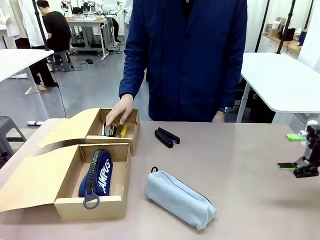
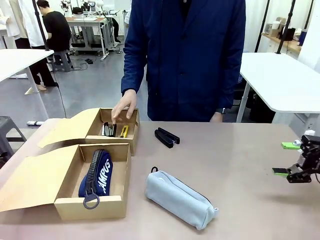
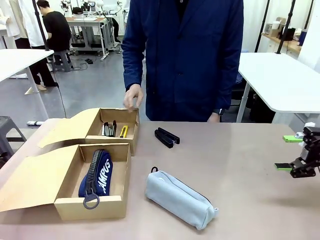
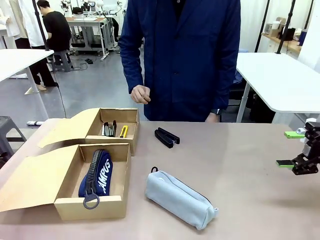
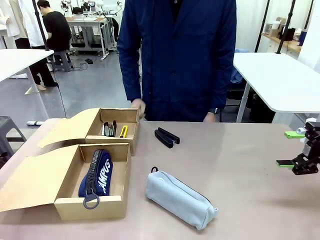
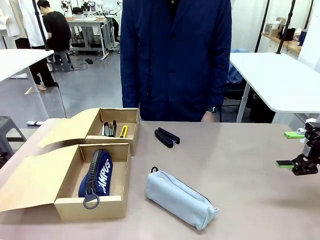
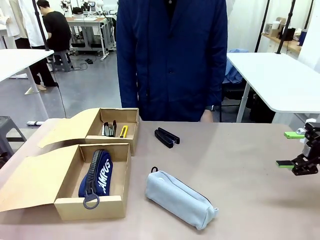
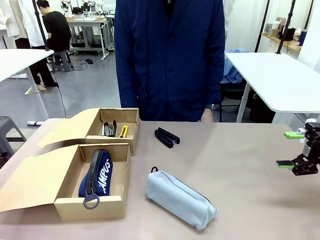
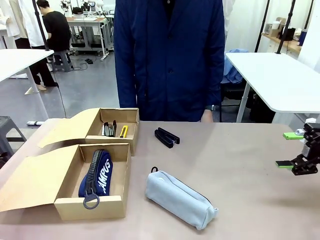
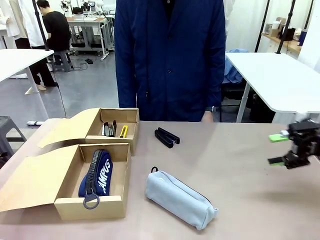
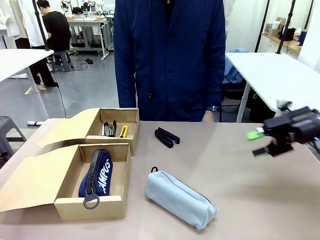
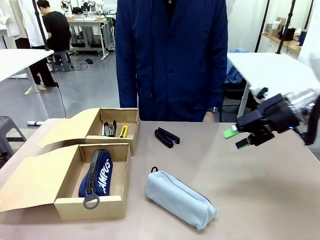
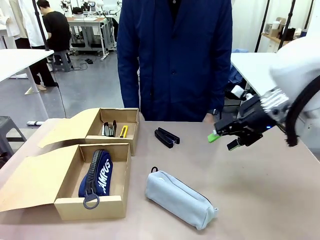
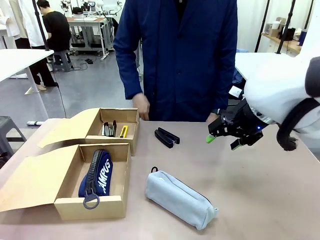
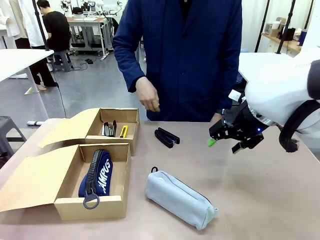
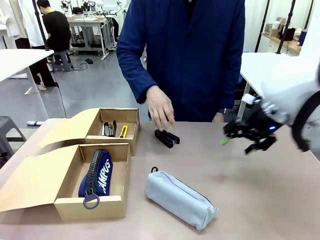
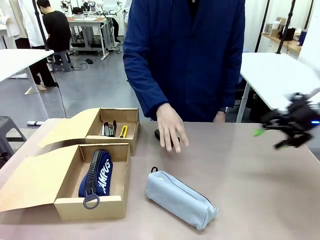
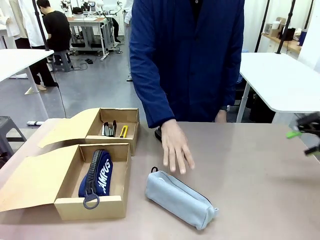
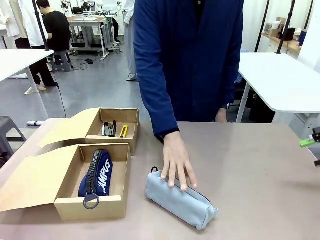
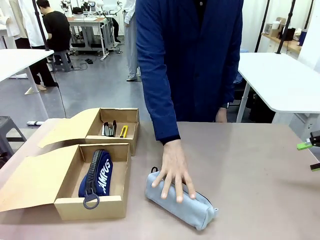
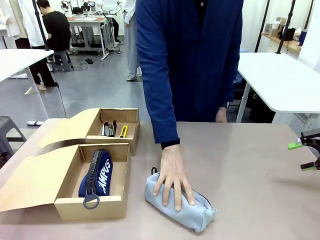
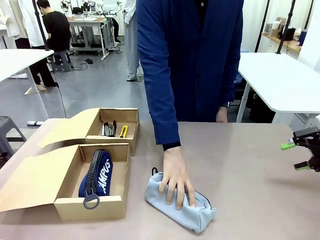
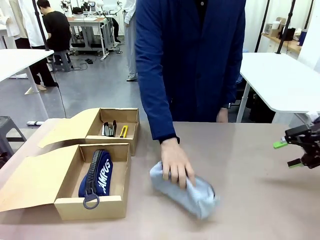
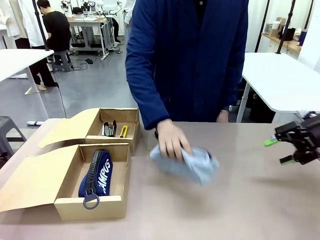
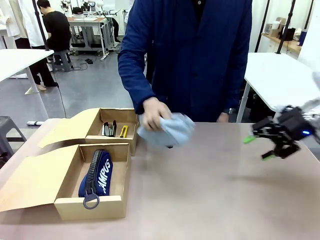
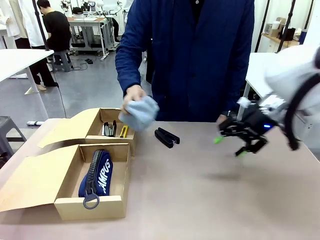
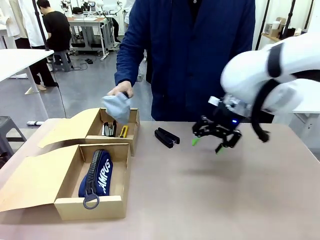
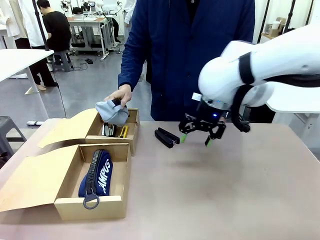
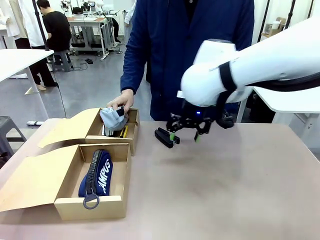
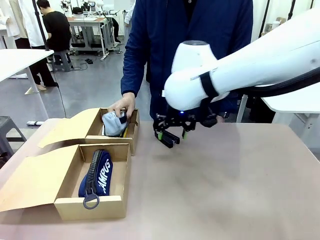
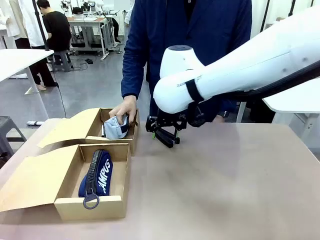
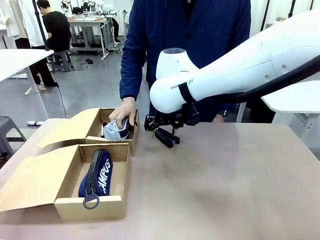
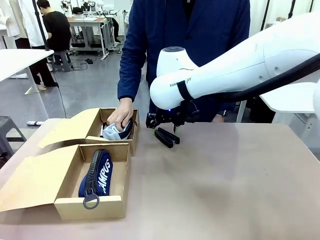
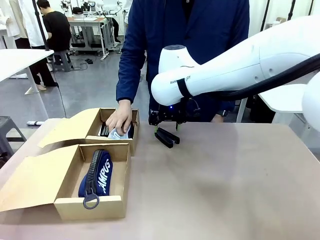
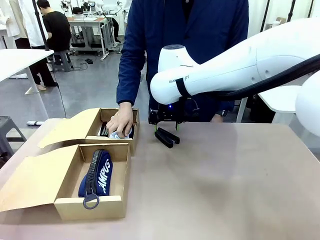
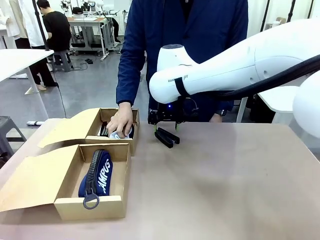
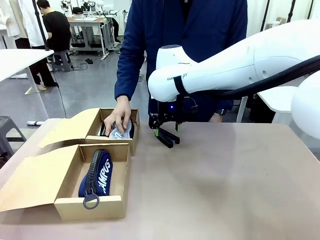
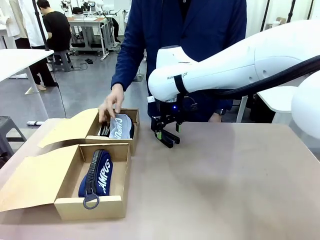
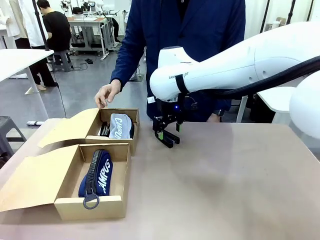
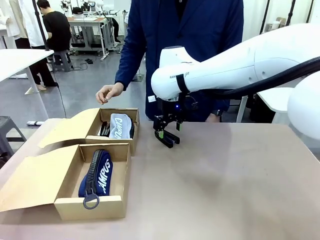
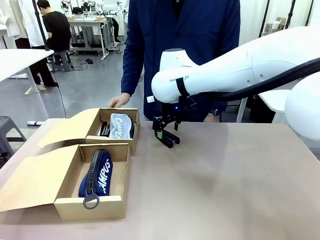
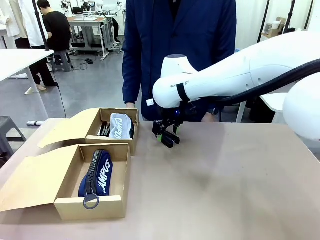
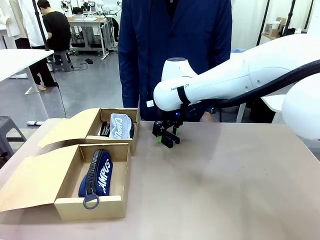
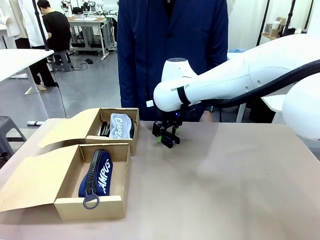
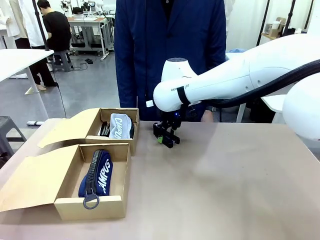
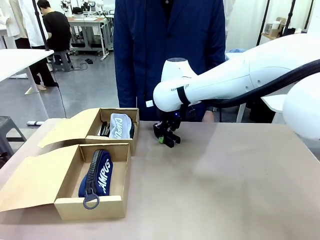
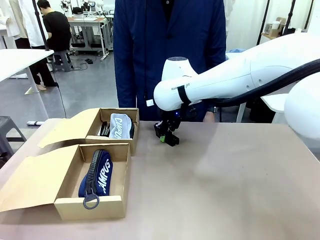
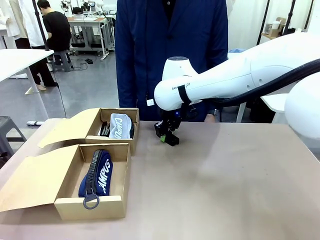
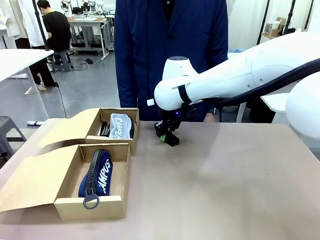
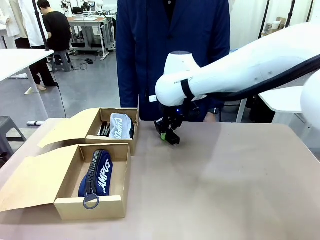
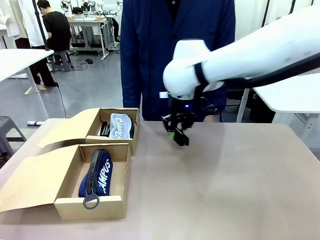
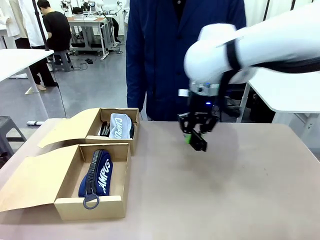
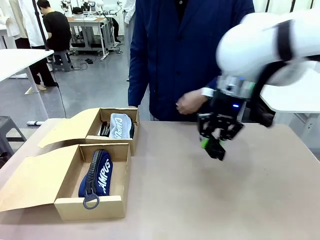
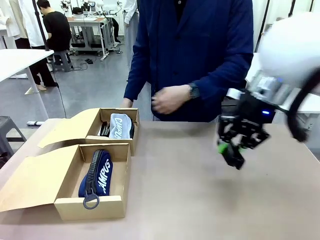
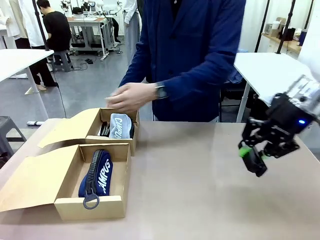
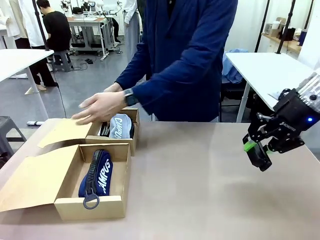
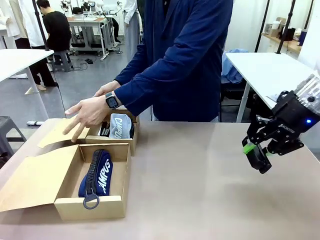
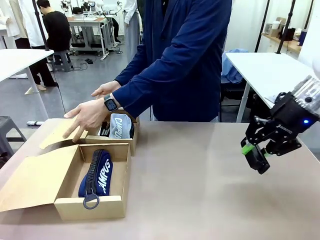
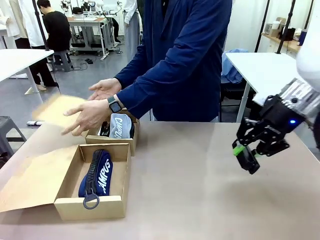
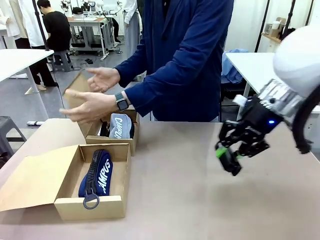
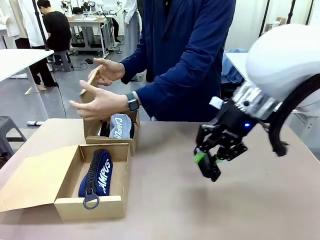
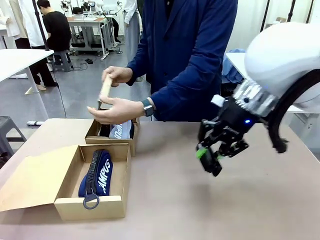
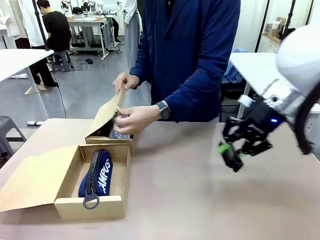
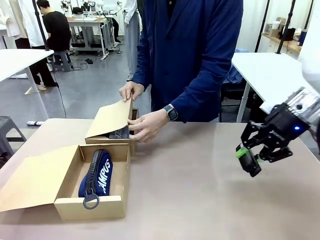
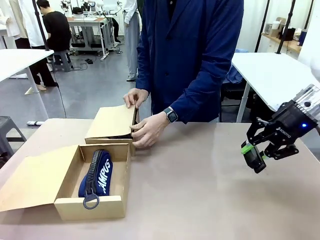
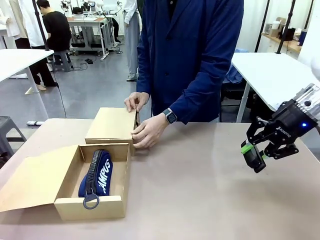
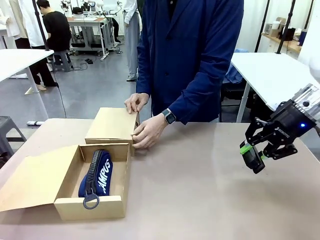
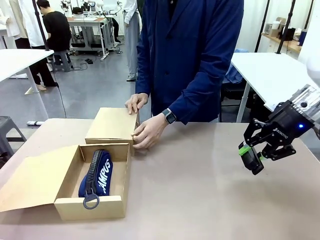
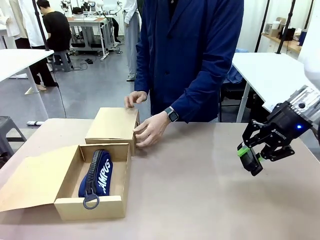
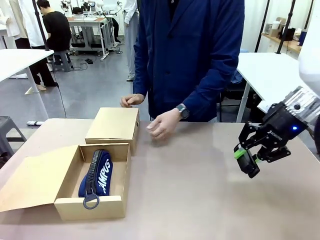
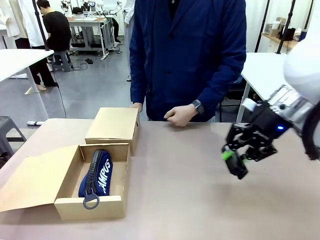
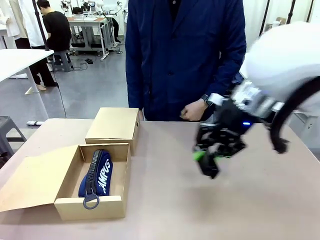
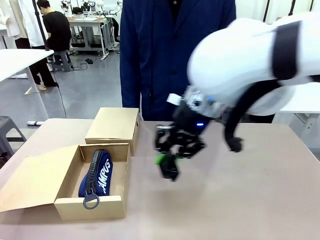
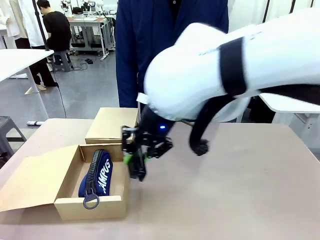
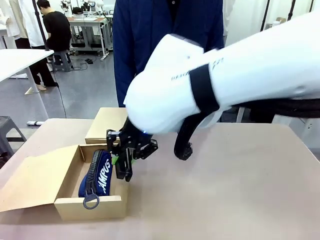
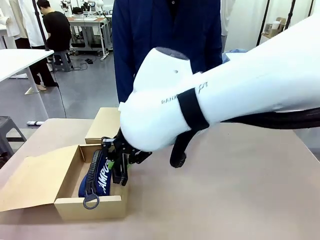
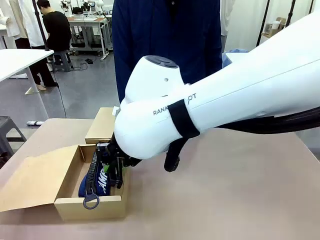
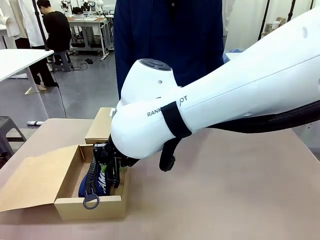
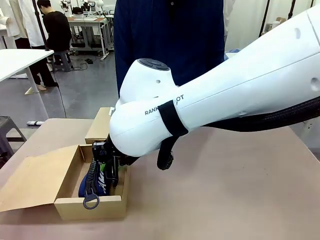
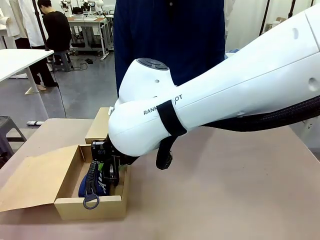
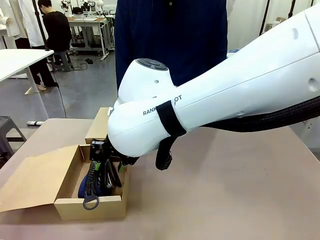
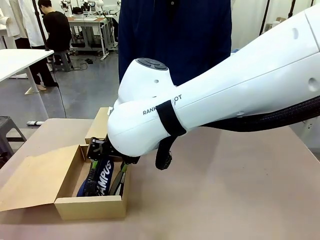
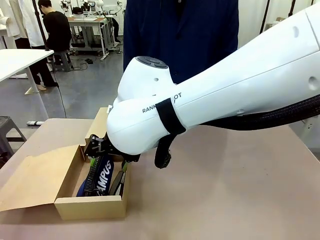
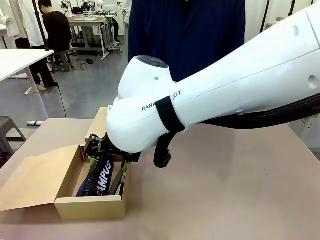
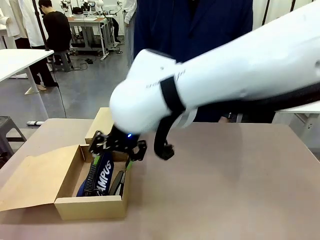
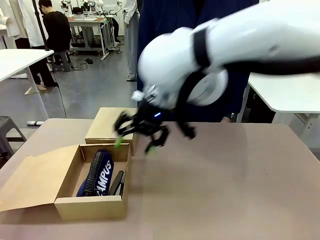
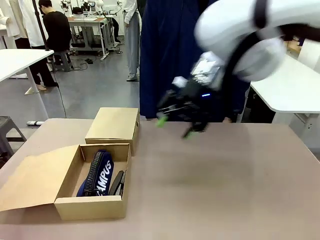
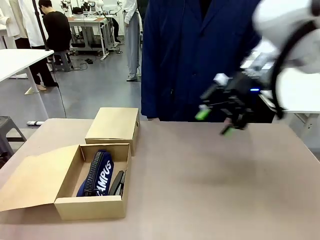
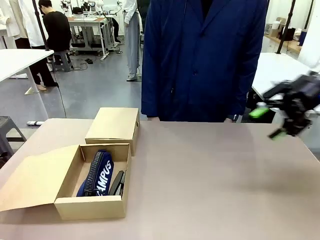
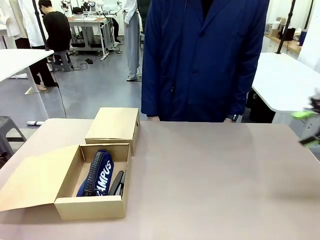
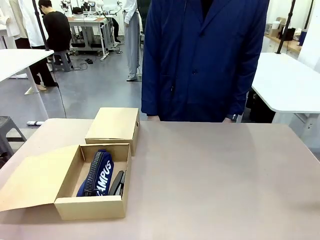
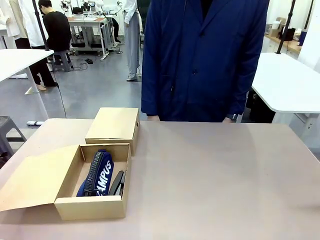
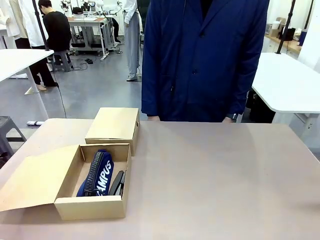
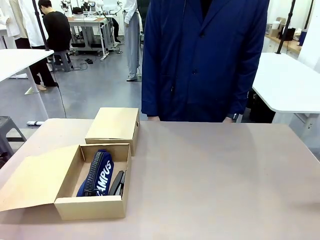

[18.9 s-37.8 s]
Task: Place items inside the box.
Robot: Pick up a Pencil pouch or Stapler and place it inside the Mailer Box closest to the robot.
Person: Close the lid of the box facing the person.
